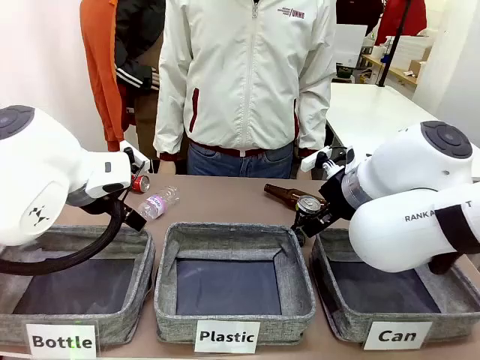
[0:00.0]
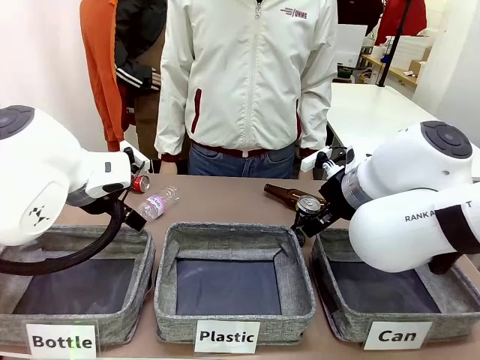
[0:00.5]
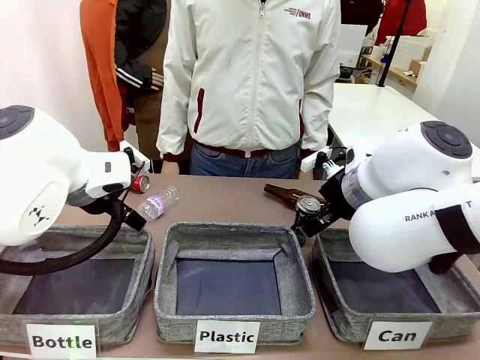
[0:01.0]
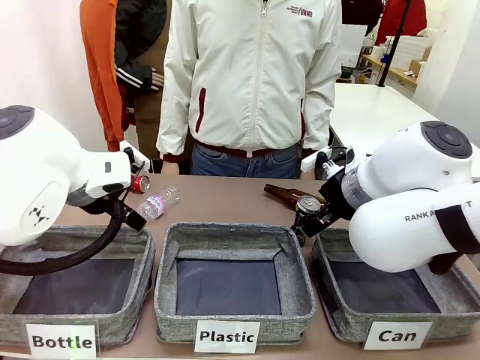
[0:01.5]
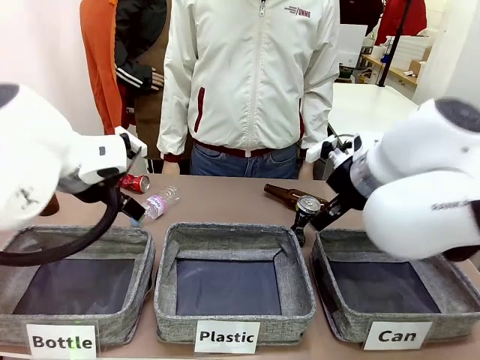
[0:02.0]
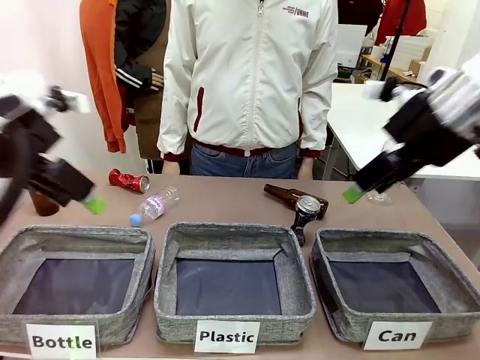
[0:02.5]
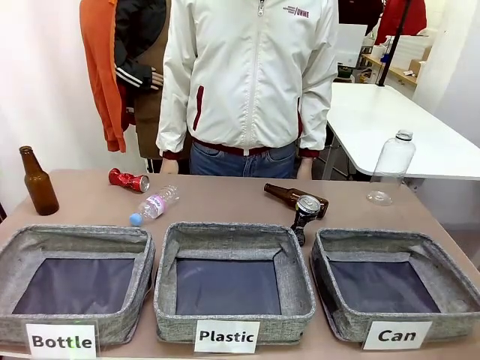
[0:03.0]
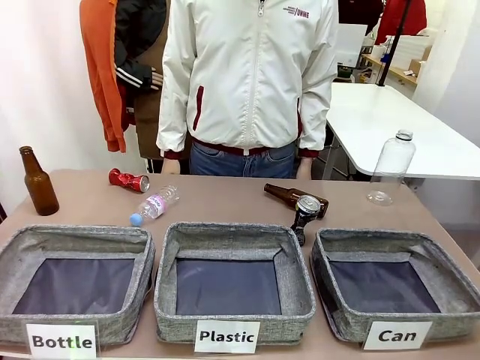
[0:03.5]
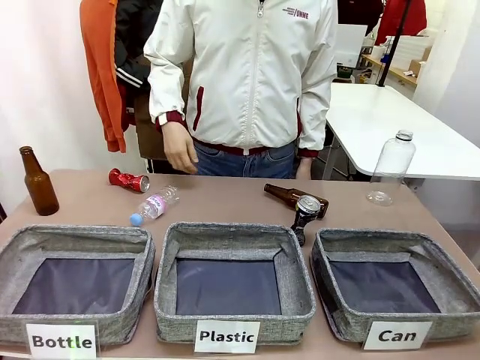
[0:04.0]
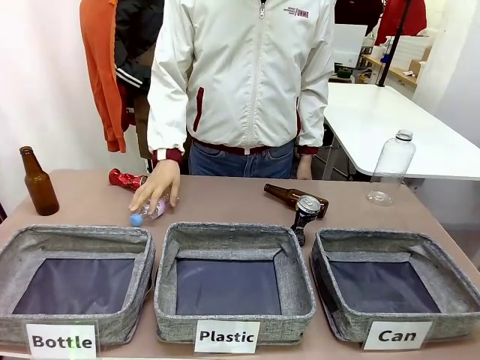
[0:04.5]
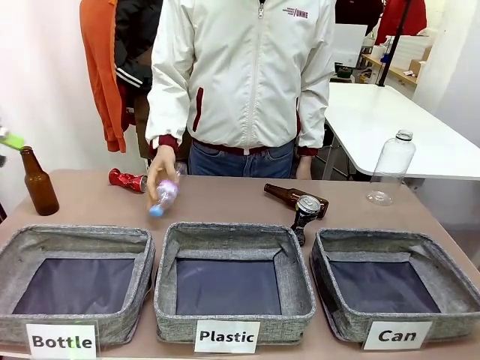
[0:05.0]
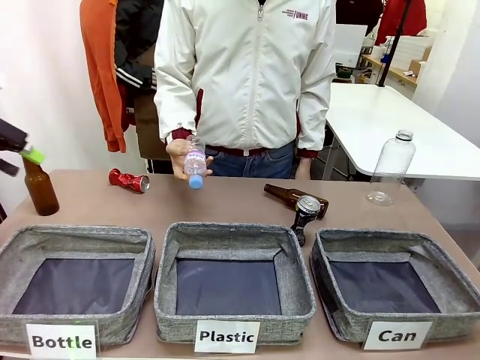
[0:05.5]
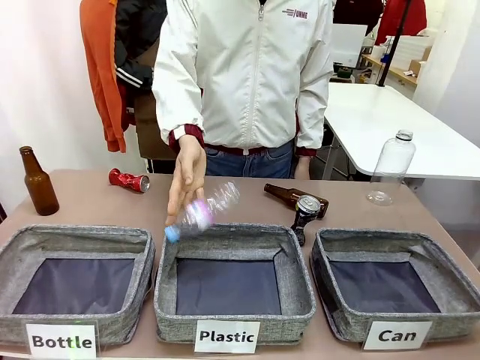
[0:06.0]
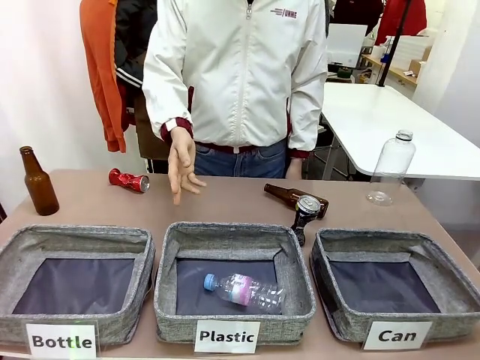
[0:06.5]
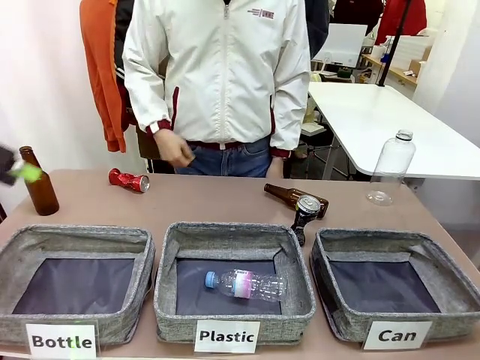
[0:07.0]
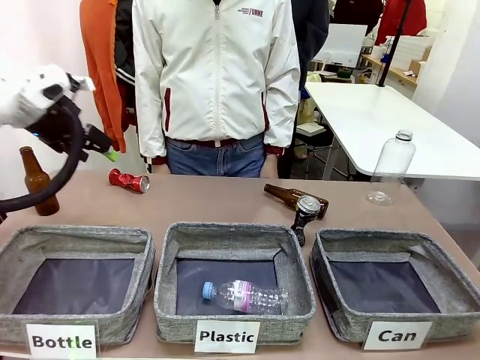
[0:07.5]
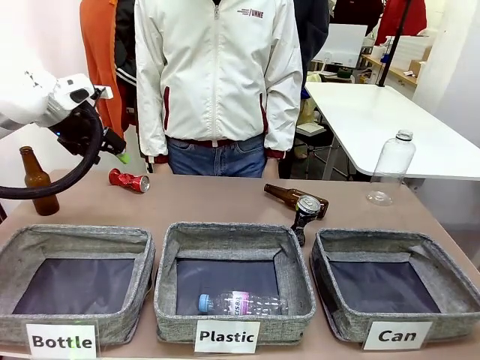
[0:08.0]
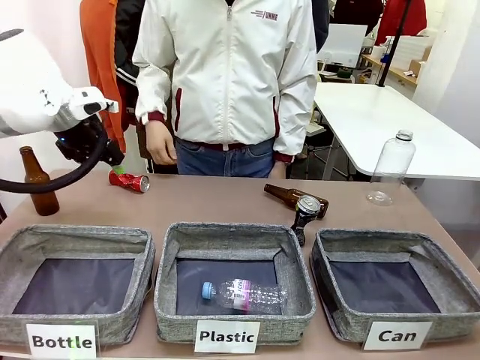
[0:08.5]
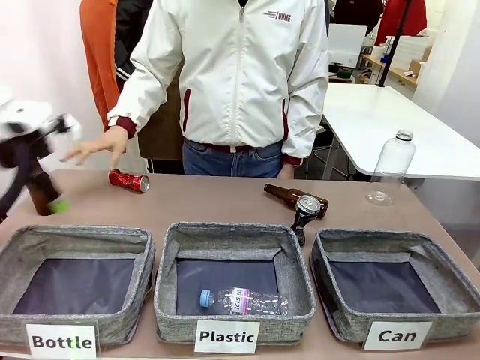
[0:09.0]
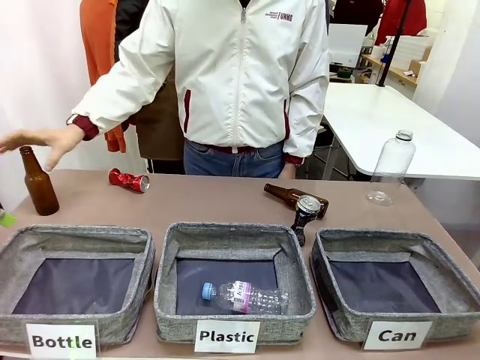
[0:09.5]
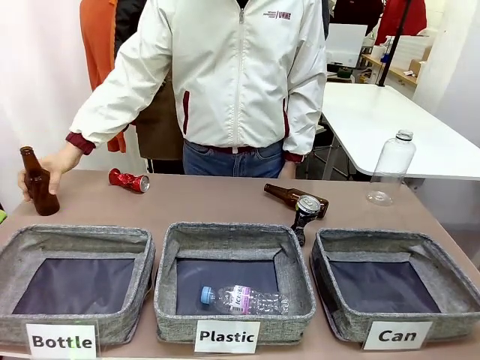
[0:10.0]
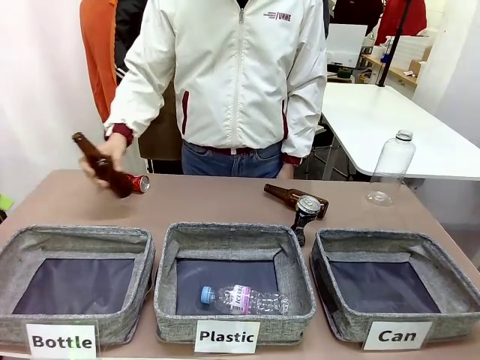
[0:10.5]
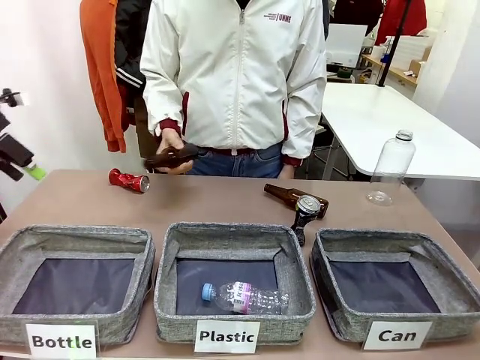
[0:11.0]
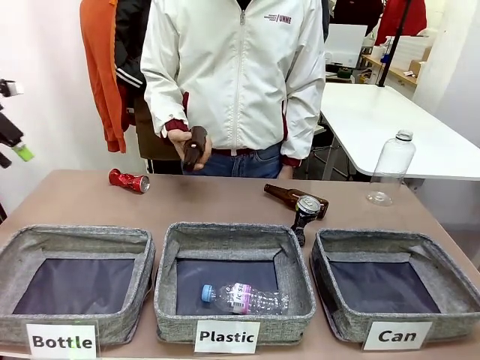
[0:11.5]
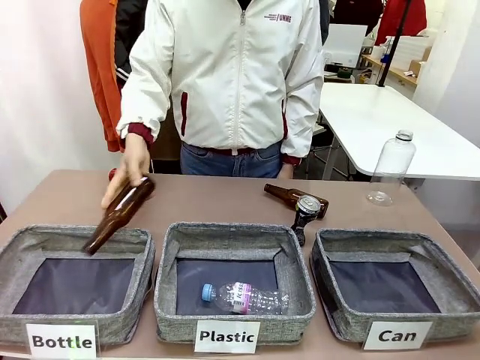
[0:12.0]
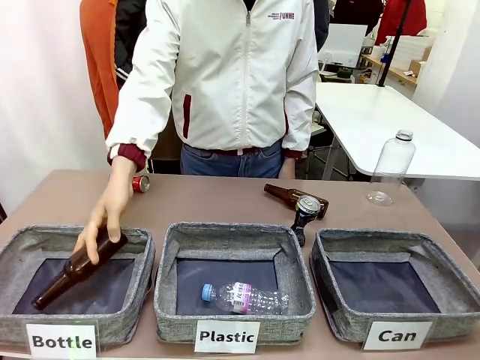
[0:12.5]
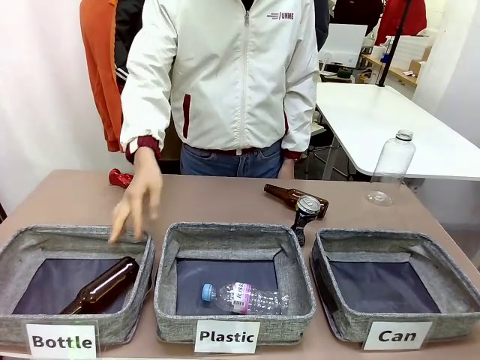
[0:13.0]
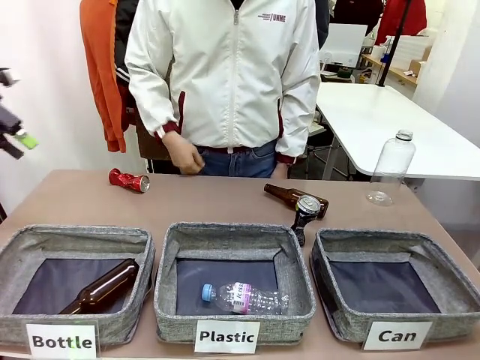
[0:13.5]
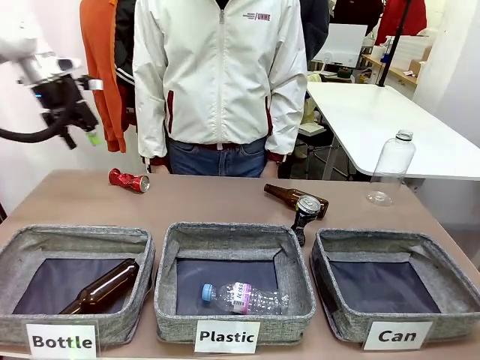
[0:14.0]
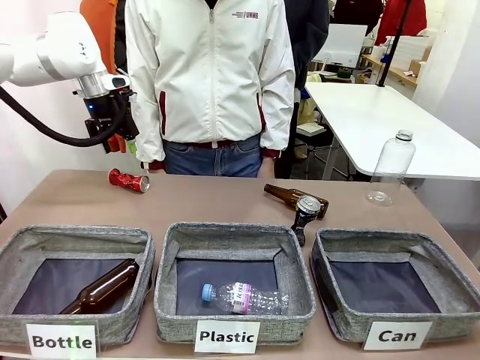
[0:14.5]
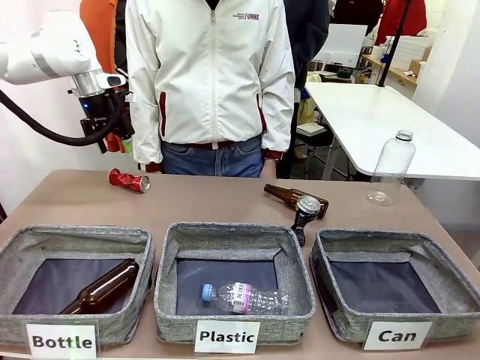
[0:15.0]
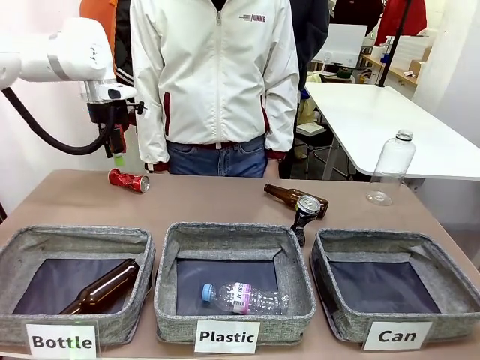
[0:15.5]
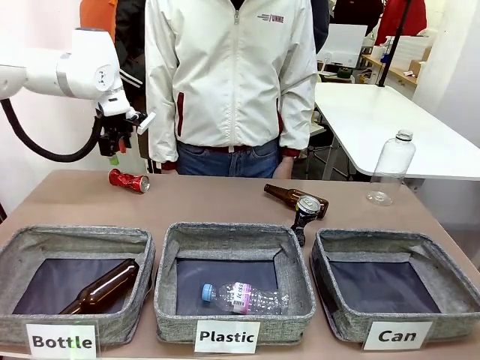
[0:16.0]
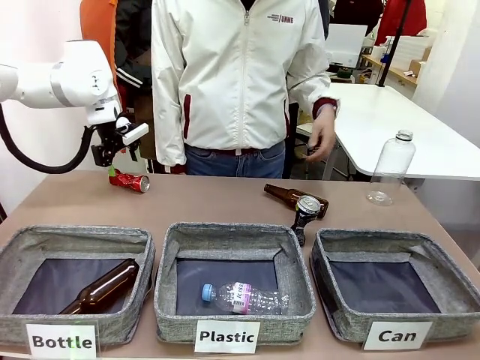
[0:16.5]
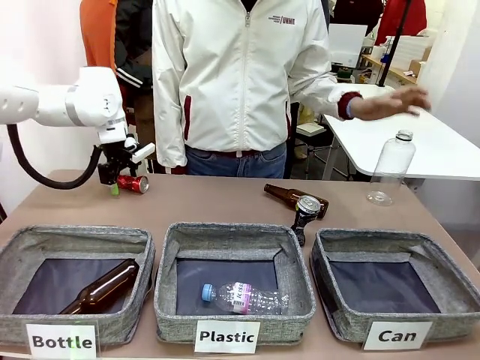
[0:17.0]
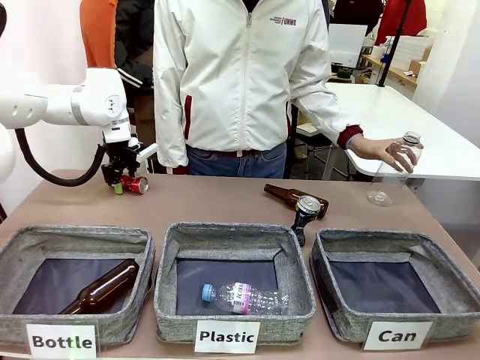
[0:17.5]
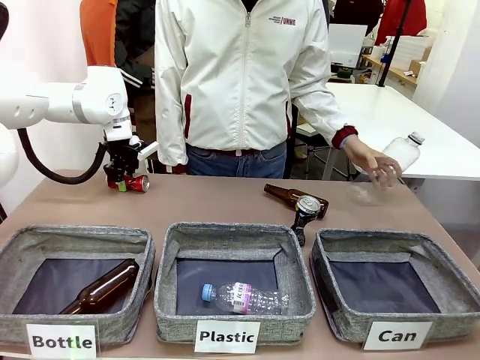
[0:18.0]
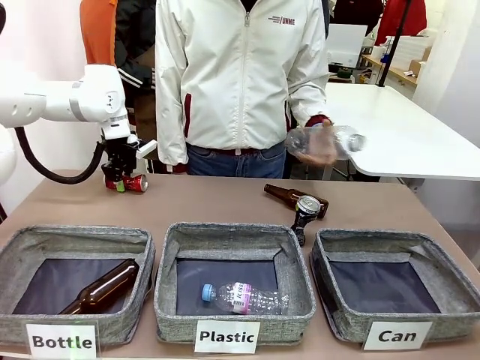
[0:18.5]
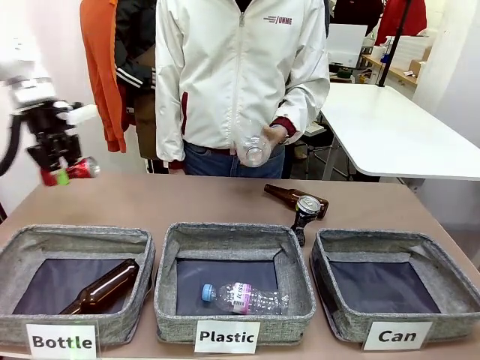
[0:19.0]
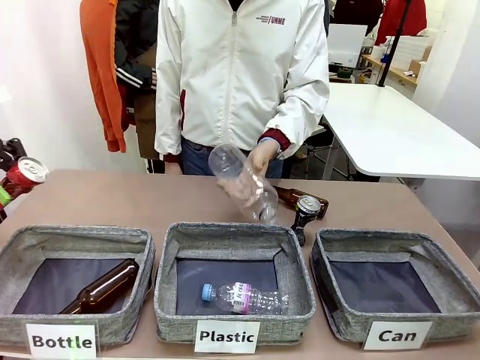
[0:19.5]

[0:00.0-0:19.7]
Task: Sort the can waste into the basket.
Robot: Pick up the can waste from the table and place it in the right Fabric basket.
